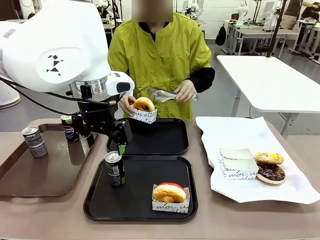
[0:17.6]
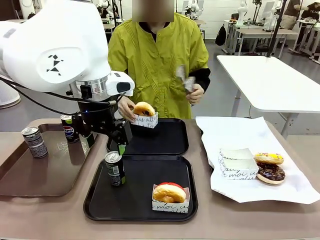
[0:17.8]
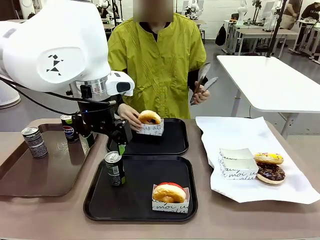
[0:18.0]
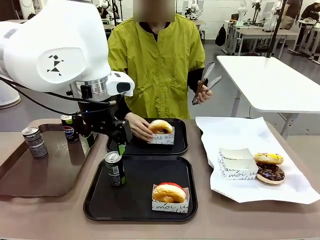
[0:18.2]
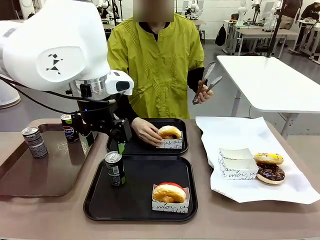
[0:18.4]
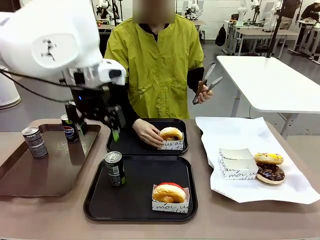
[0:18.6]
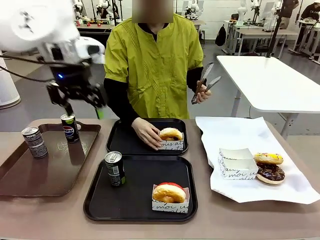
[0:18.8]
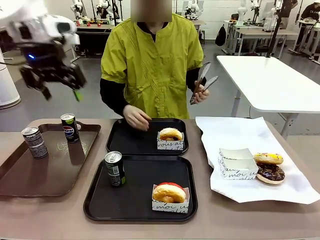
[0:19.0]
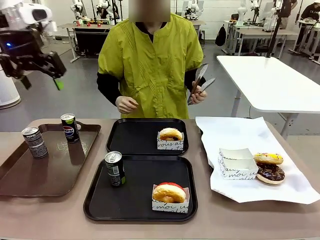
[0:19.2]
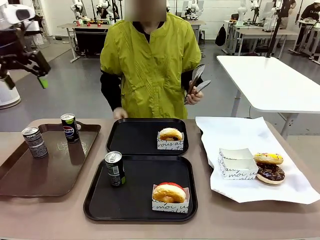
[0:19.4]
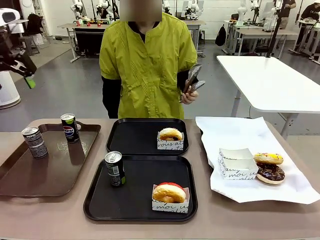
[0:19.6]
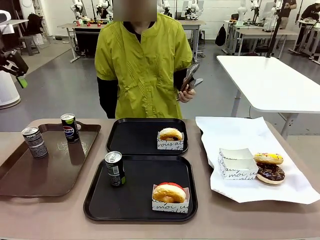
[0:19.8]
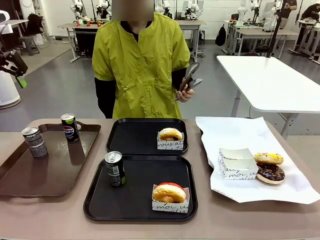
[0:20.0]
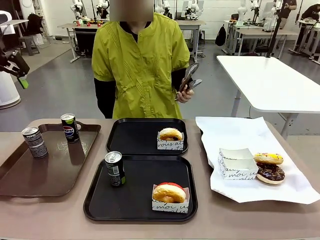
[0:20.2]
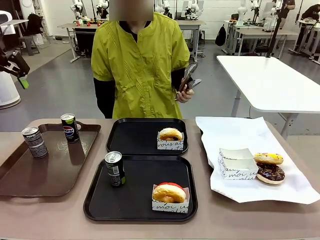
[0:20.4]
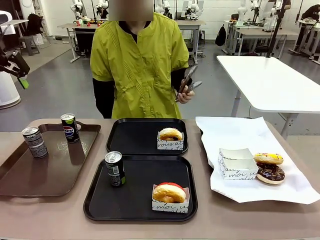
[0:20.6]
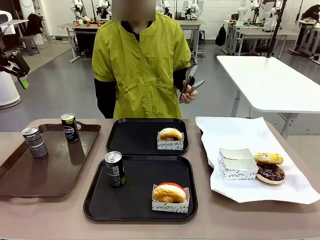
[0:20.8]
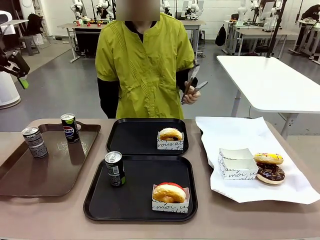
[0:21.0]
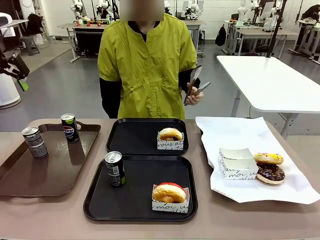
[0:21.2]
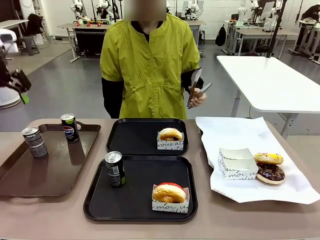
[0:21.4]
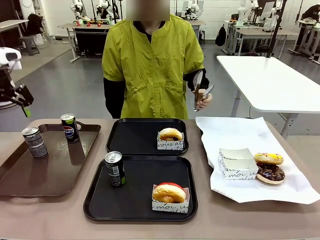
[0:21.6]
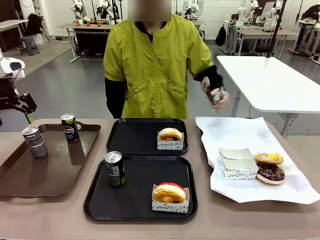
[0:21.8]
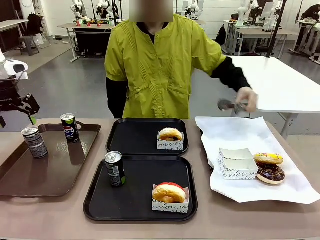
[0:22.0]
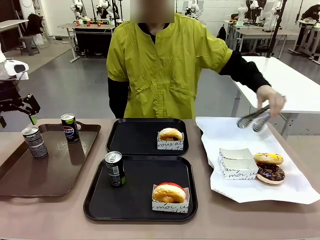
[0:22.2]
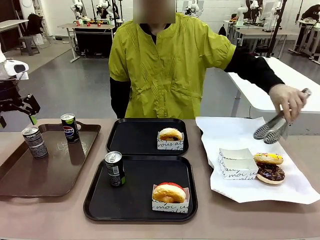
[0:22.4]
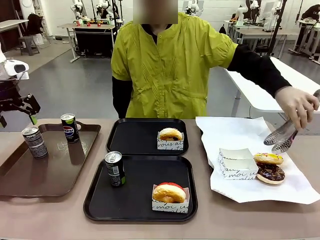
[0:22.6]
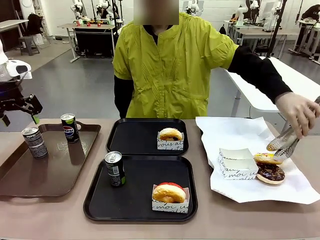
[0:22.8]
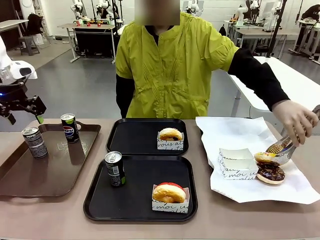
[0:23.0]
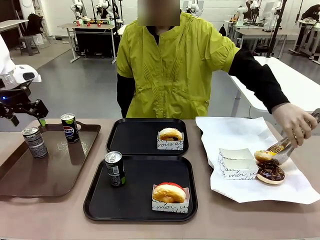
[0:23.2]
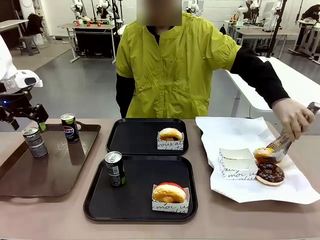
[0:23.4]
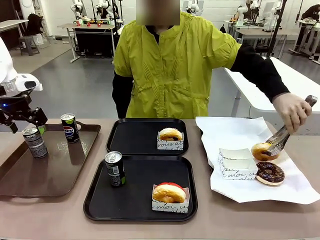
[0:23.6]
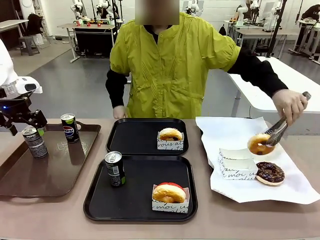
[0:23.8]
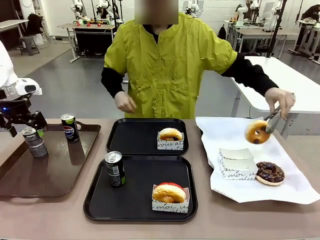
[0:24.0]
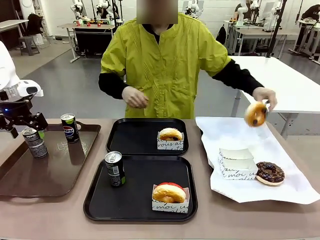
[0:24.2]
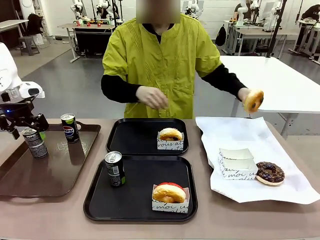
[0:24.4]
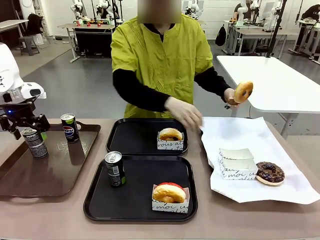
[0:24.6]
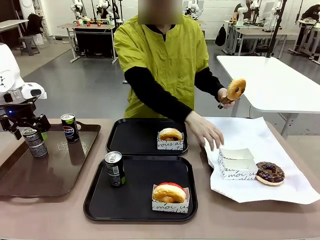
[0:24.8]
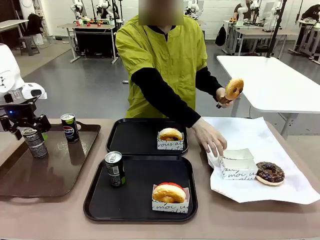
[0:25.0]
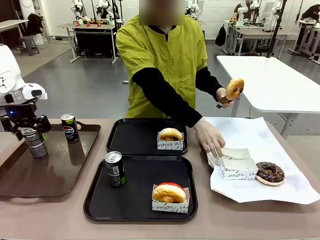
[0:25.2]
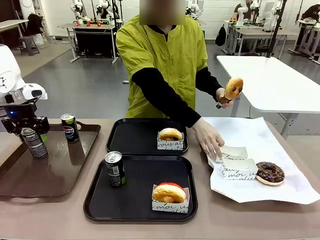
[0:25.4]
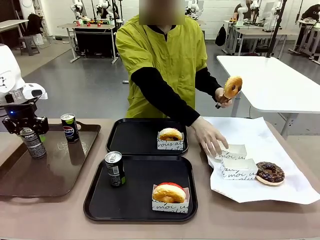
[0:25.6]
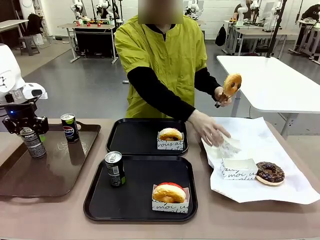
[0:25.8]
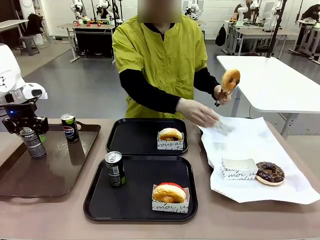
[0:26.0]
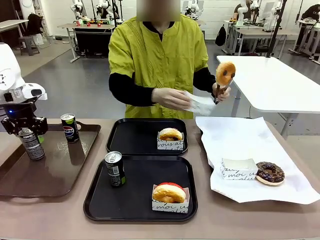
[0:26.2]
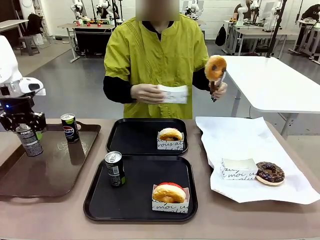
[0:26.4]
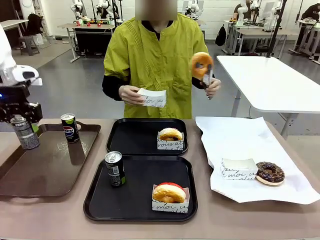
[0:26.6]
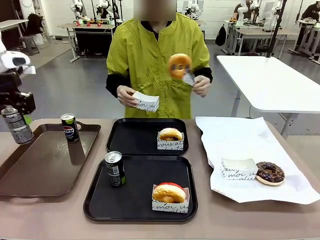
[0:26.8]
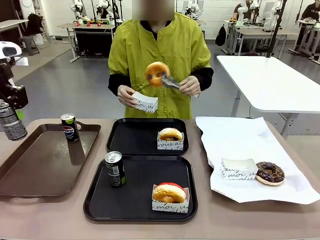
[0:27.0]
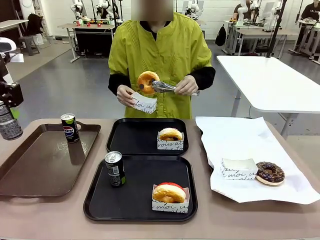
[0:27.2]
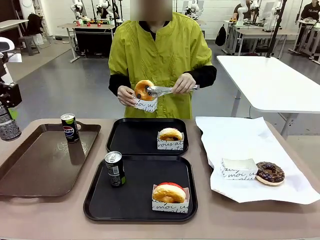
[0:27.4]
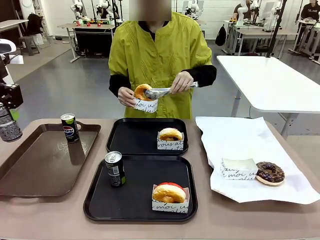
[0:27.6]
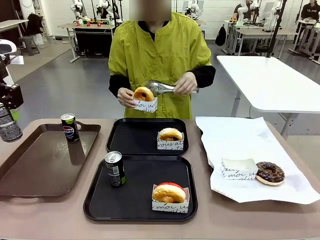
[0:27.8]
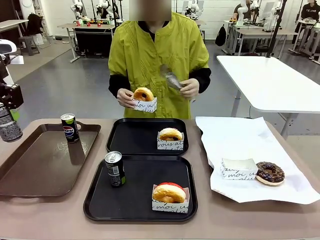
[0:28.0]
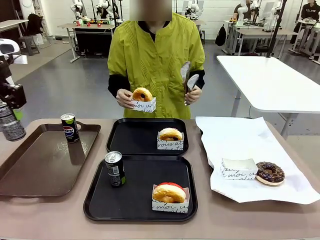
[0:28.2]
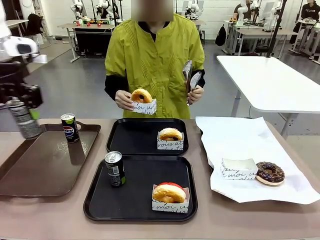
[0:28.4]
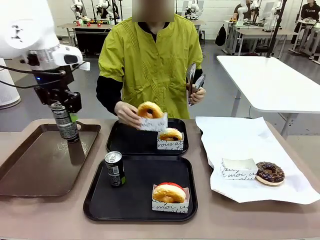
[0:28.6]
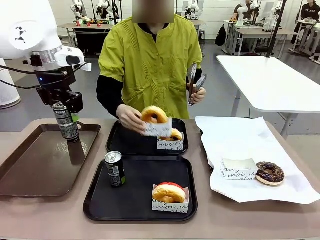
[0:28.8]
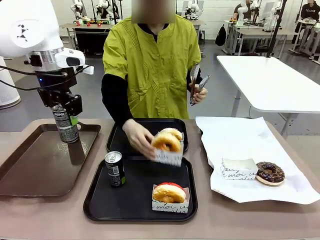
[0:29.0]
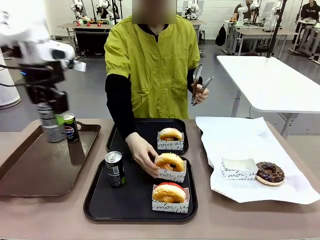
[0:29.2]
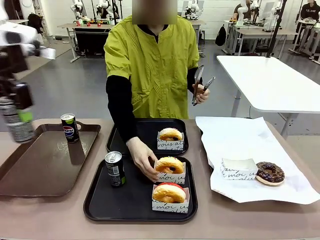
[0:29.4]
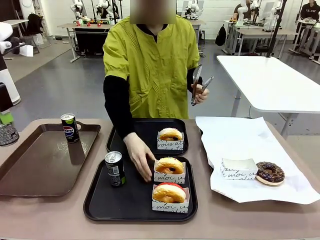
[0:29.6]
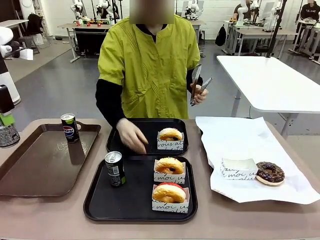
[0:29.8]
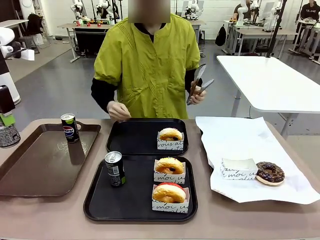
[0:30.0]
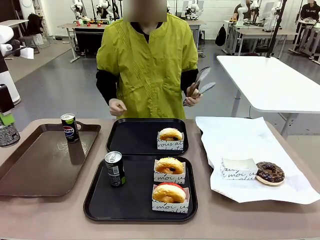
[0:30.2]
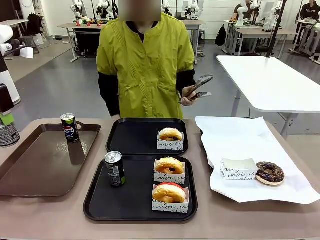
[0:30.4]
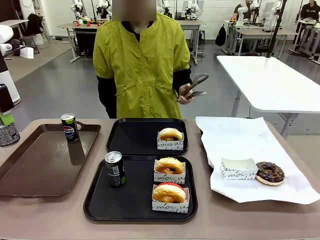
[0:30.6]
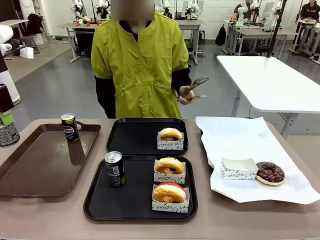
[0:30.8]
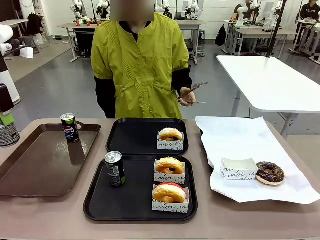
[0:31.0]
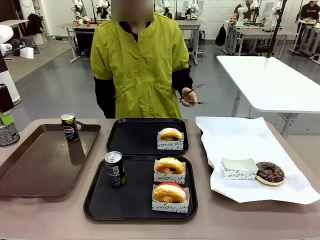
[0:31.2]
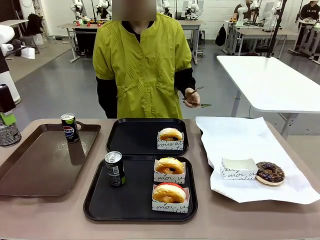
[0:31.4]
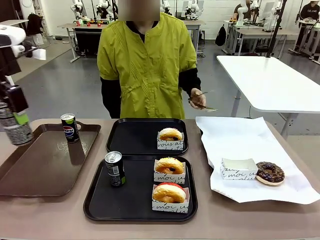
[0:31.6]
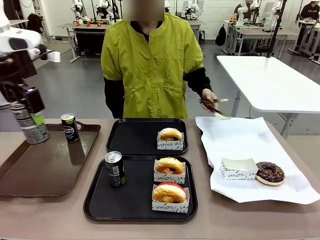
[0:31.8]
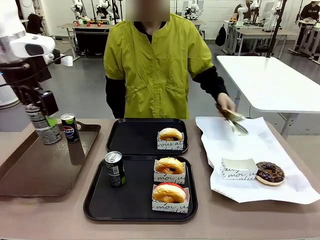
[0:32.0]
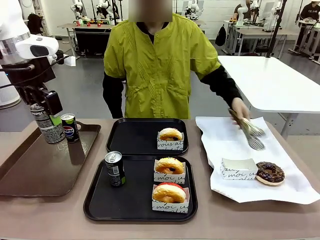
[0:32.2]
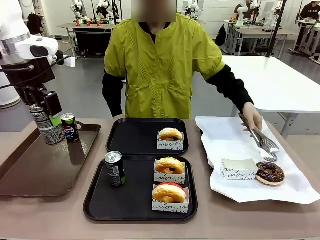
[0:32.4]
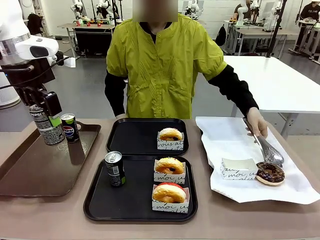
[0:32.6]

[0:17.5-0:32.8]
Task: Set up donuts and drinks on trays.
Robot: Pick up one Pepsi coke from the Handle tray and place it on the Flat Tray without a Pepsi coke.
